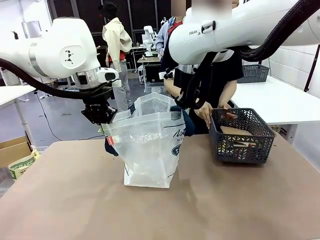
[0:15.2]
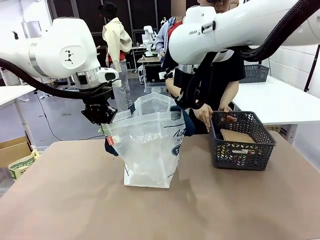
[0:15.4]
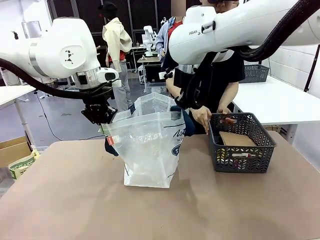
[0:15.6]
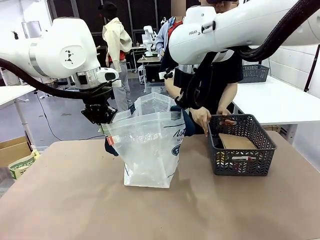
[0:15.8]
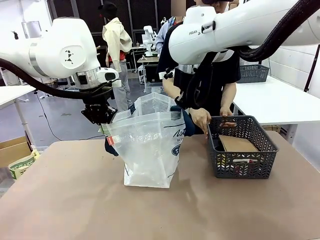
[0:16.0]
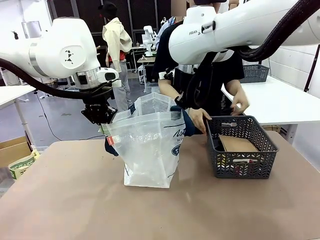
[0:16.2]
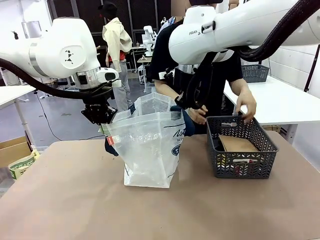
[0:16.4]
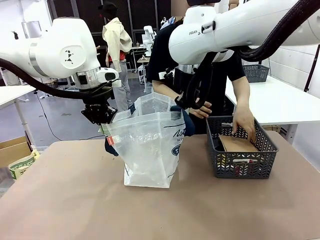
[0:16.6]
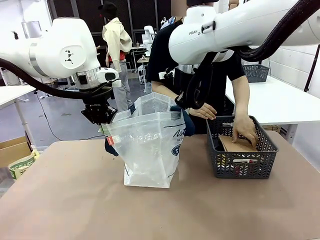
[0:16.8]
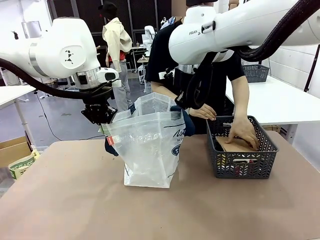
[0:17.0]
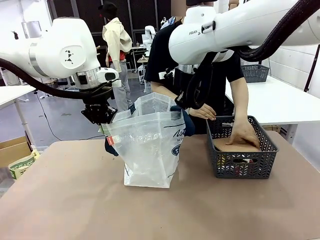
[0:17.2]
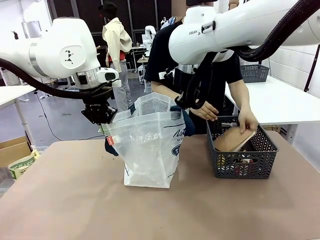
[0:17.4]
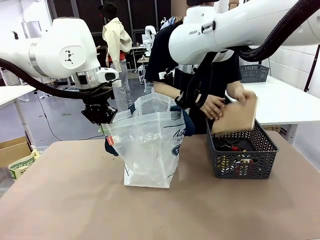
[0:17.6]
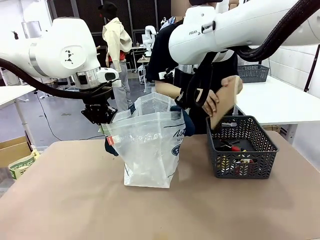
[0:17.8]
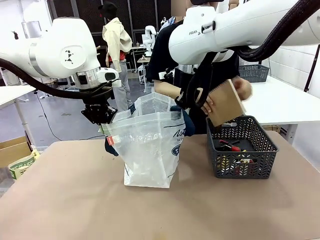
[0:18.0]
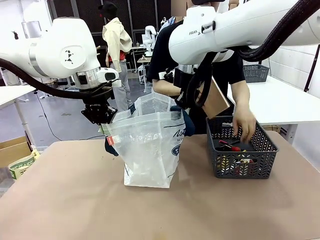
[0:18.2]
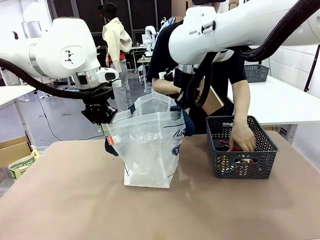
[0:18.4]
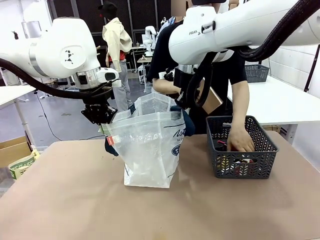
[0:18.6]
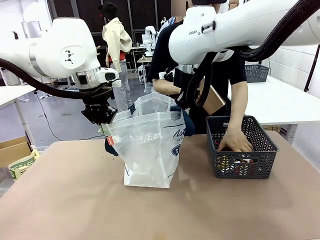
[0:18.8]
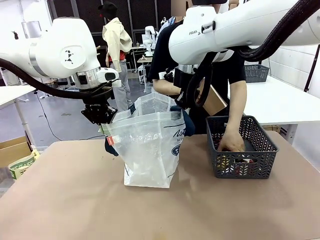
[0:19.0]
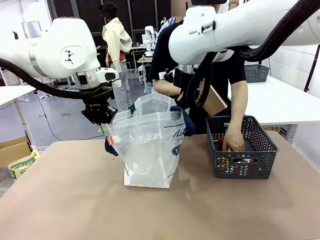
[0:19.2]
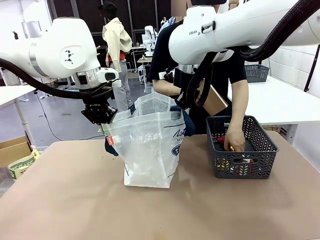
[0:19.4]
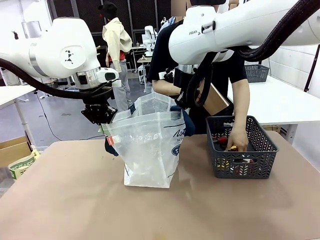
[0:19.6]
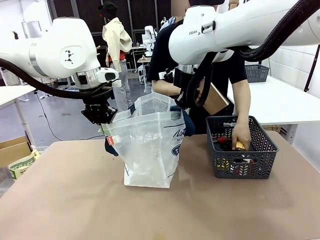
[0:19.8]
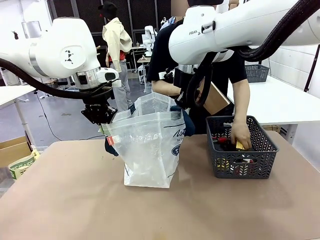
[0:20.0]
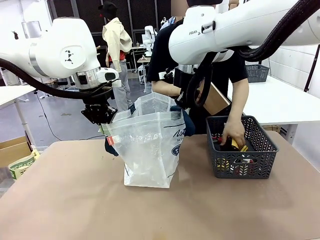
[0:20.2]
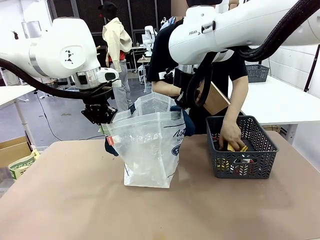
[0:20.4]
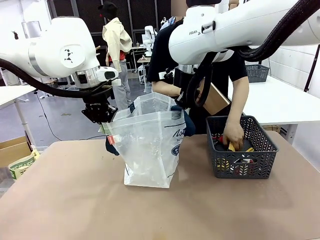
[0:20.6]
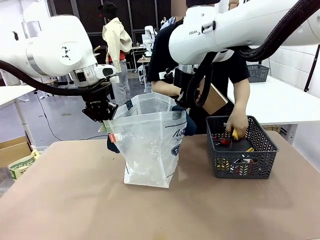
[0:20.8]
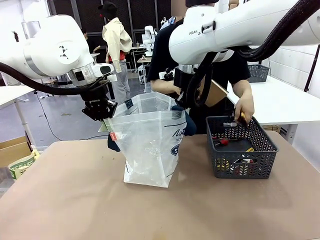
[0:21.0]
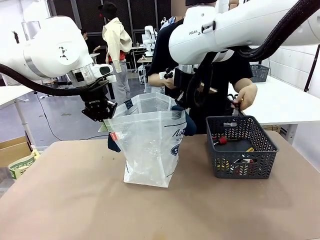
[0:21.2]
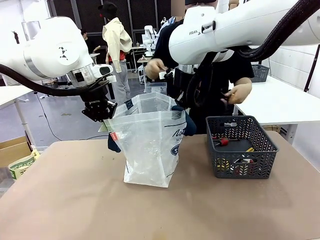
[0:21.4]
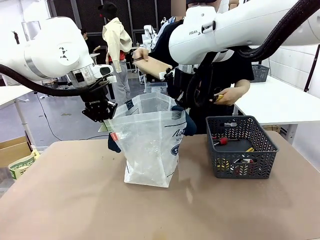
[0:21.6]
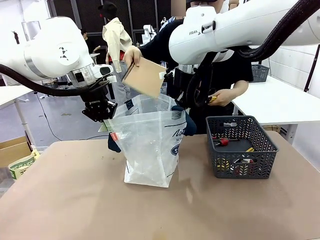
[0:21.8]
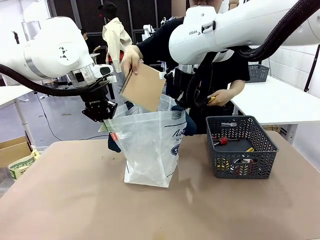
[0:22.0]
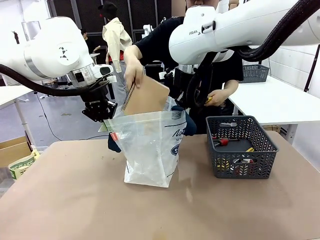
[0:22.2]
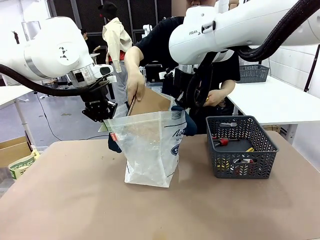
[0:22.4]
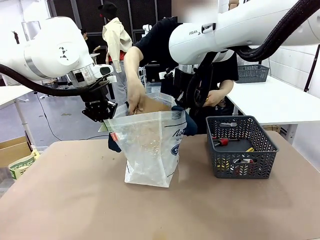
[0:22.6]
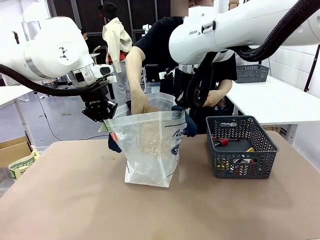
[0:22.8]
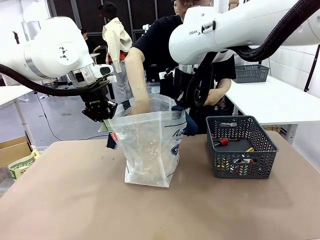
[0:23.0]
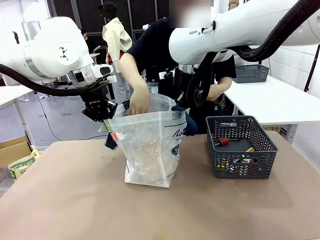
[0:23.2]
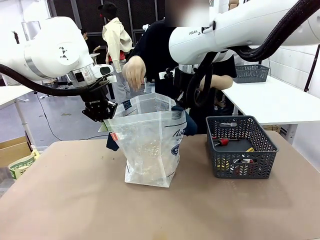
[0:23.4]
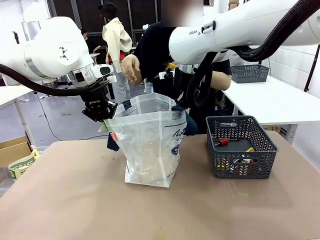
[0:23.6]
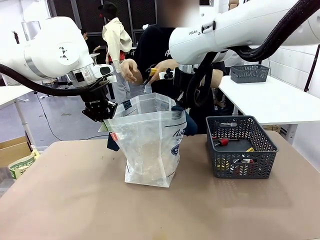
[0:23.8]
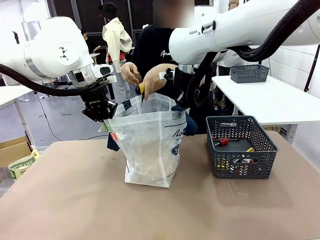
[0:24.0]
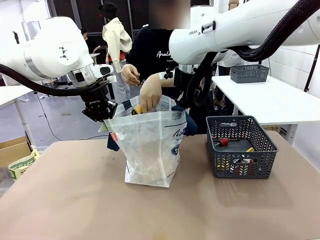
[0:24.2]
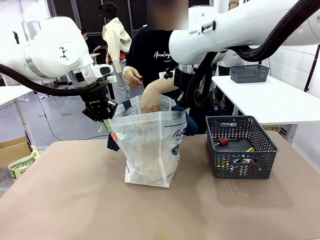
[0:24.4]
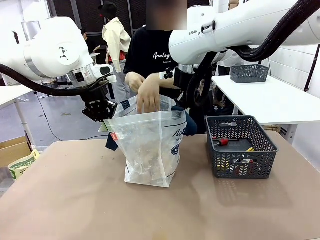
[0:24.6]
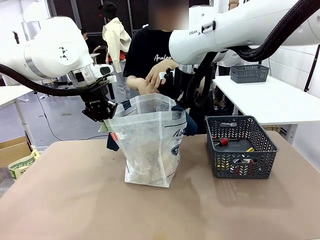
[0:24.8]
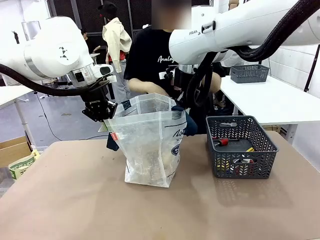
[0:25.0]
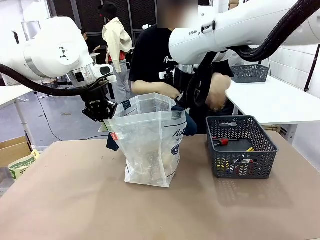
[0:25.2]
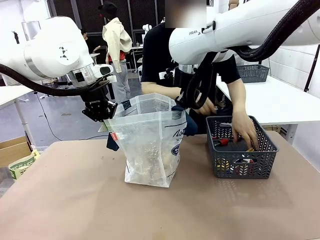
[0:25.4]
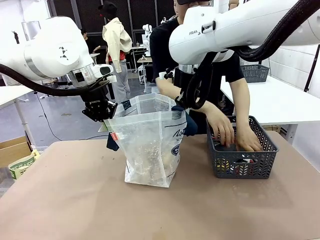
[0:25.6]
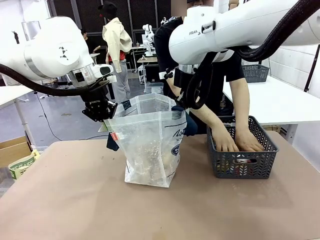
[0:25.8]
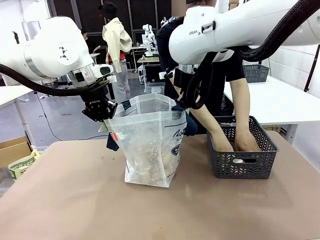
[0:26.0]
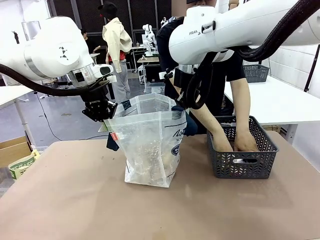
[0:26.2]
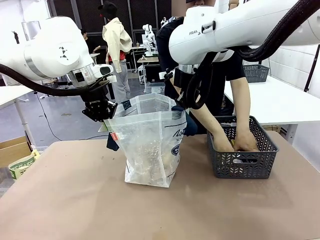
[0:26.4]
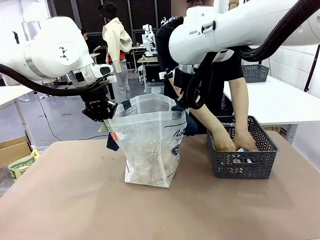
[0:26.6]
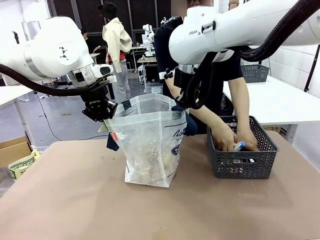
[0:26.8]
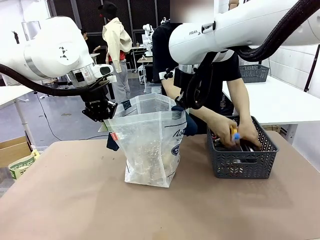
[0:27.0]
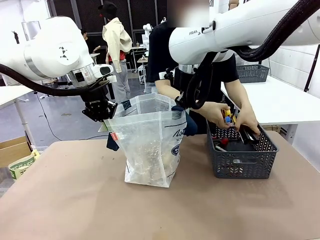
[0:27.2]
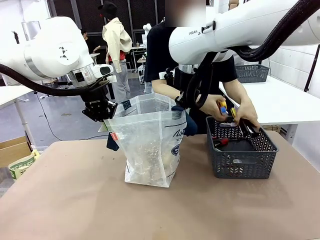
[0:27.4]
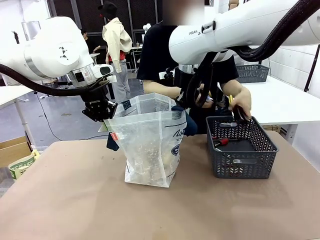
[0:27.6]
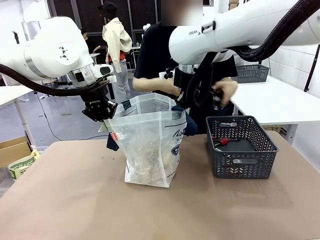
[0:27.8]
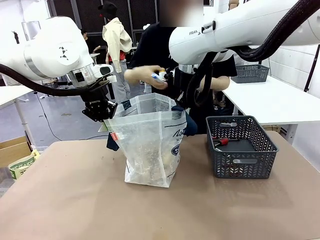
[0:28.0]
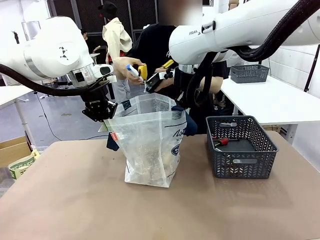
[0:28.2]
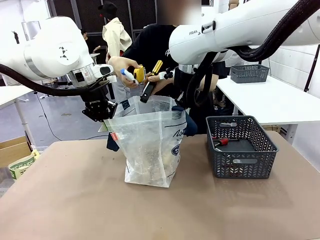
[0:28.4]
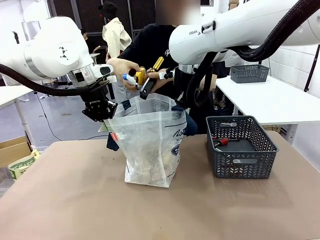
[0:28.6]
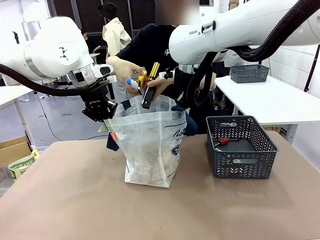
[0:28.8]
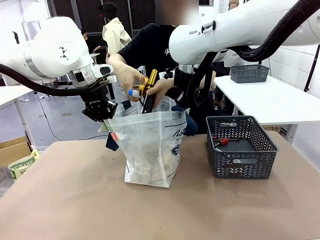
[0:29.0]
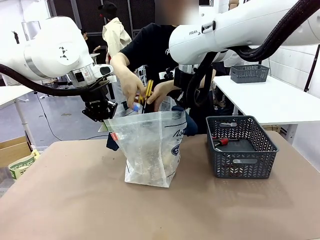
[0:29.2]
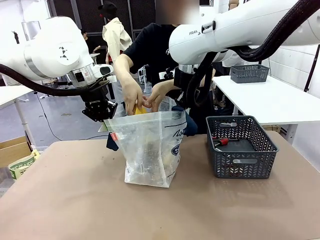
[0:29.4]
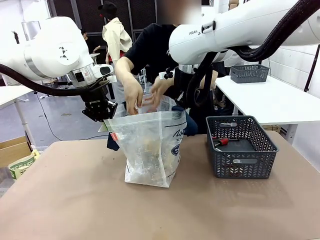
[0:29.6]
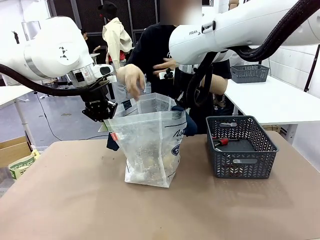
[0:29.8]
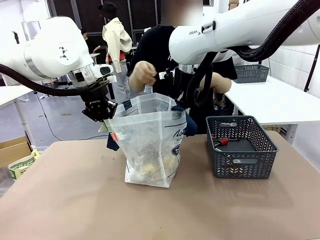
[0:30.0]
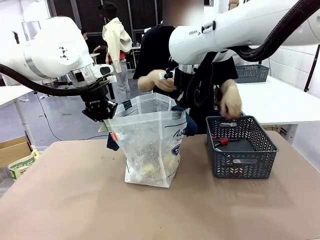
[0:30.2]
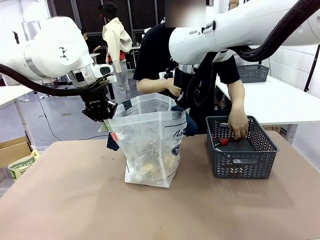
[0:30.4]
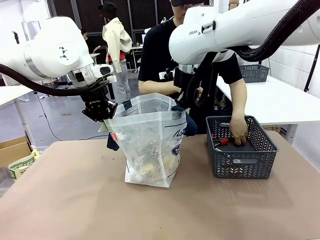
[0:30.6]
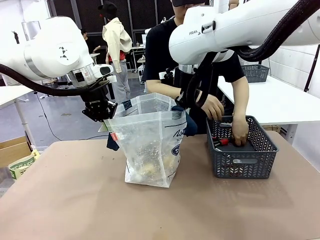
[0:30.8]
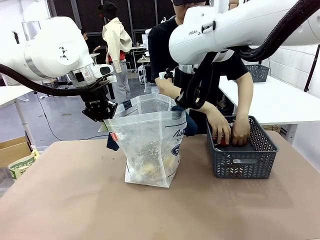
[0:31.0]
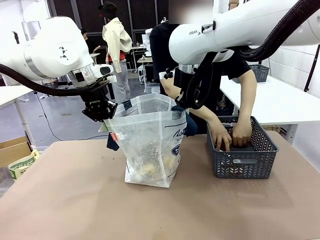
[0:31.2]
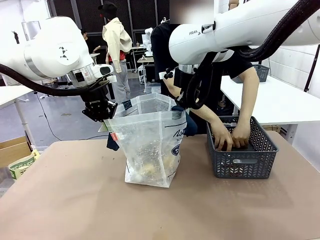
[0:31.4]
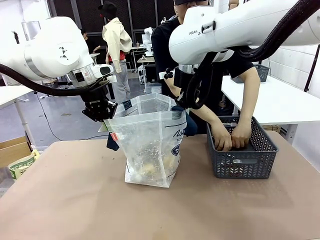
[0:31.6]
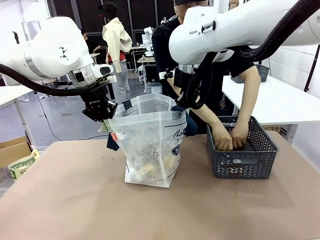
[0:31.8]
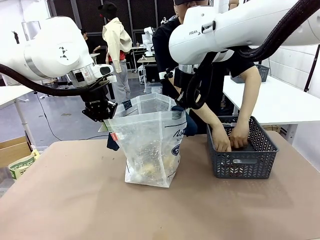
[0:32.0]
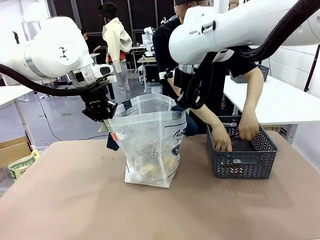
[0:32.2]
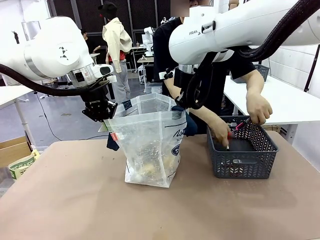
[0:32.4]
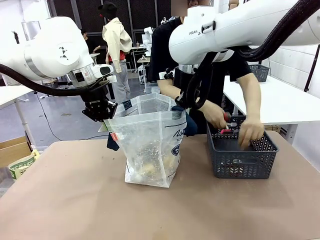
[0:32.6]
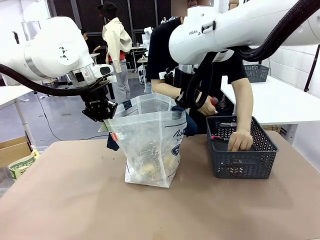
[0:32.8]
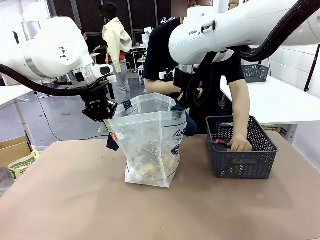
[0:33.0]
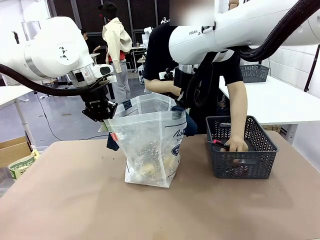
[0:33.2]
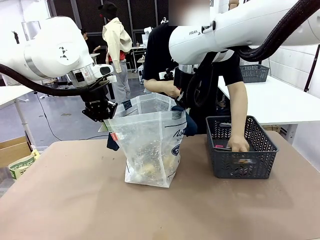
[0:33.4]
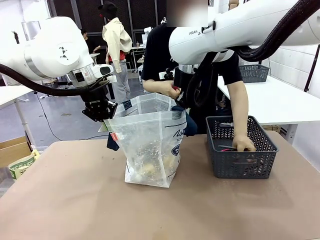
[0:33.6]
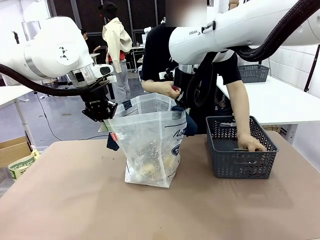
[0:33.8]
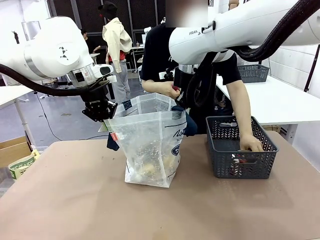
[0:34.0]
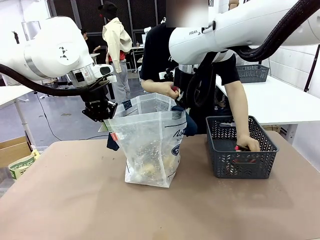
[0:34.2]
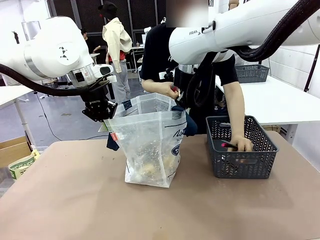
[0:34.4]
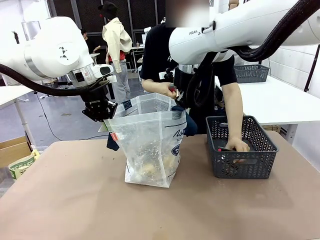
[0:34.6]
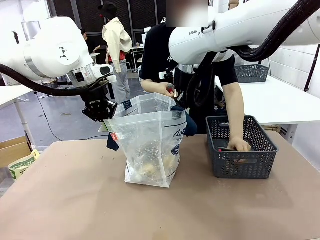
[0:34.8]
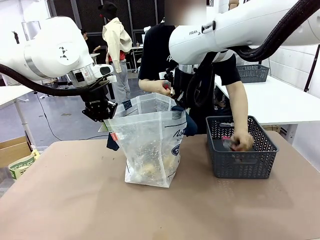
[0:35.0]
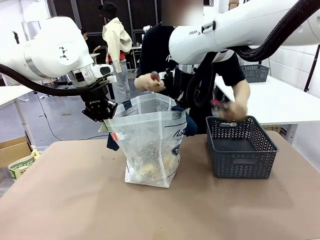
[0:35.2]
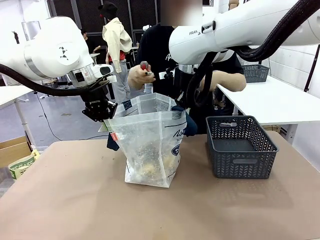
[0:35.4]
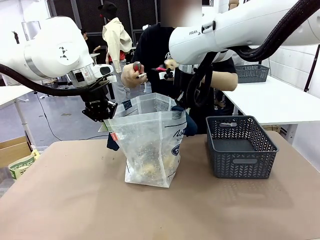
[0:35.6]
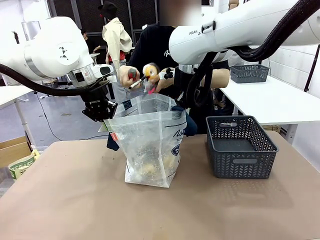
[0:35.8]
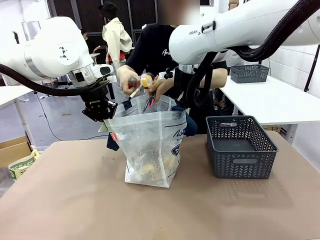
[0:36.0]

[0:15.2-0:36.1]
Task: Transfer purchased items from the store into the shopping bag.
Robot: Move the Reusable shopping bag to the right side of the table.
Person: Pick up the basket on the right, place it on the left side of the robot table, and move the items in the basket to the shopping bag.
